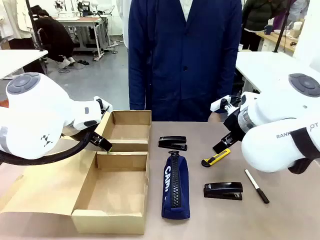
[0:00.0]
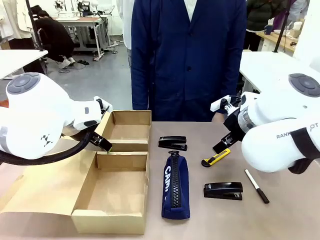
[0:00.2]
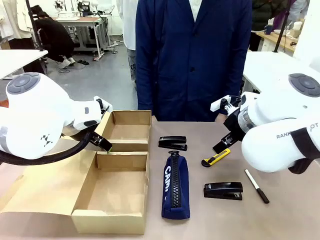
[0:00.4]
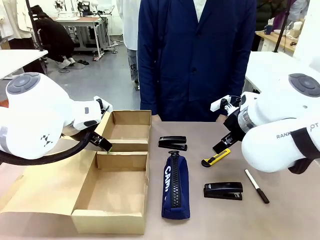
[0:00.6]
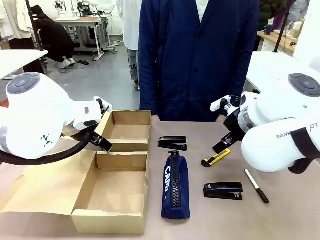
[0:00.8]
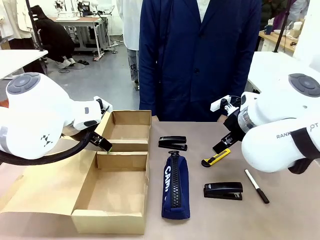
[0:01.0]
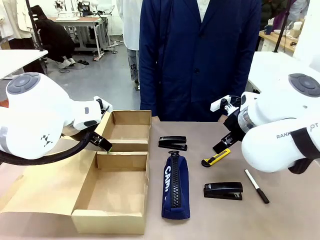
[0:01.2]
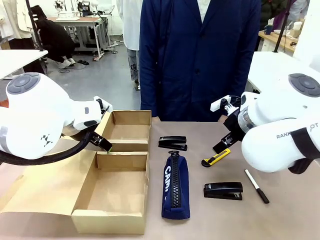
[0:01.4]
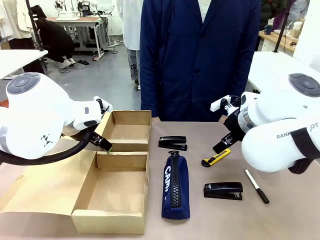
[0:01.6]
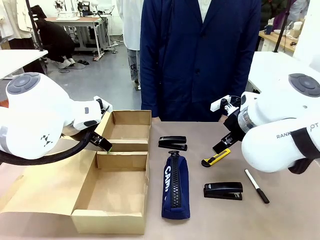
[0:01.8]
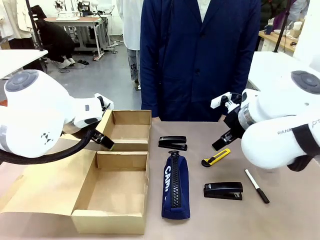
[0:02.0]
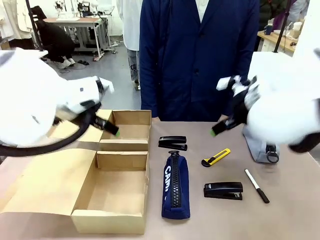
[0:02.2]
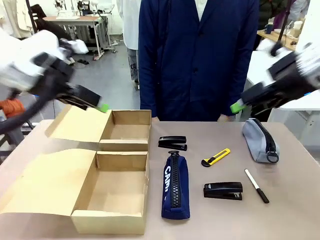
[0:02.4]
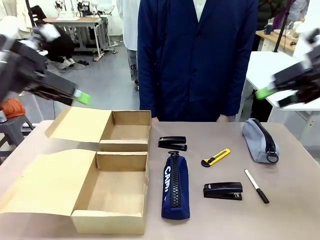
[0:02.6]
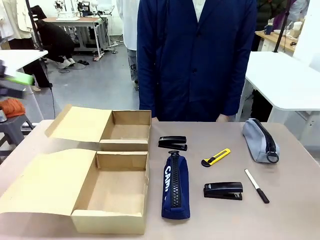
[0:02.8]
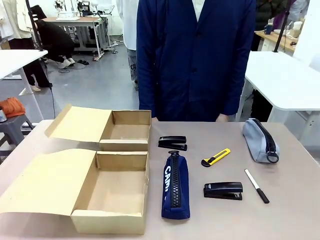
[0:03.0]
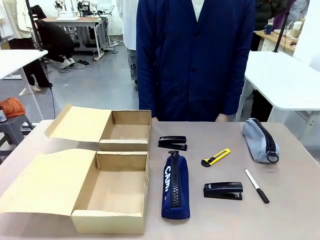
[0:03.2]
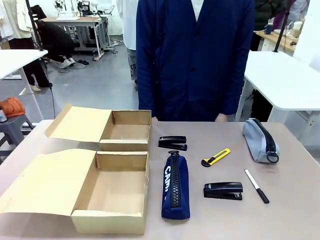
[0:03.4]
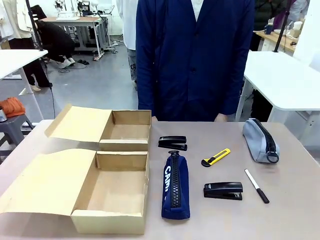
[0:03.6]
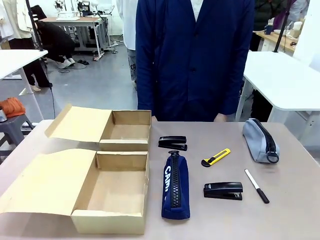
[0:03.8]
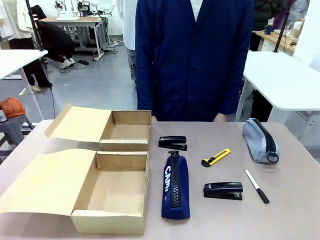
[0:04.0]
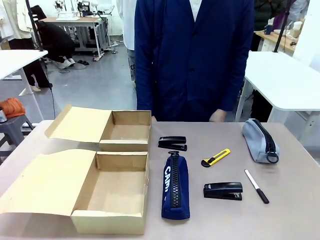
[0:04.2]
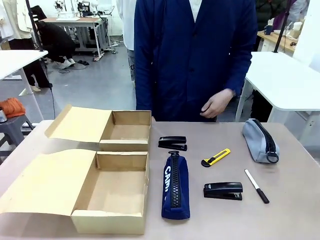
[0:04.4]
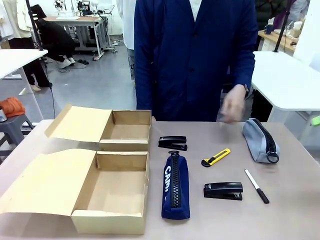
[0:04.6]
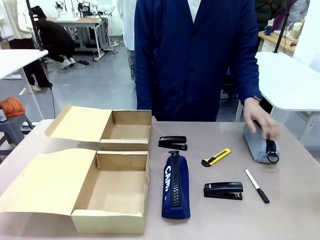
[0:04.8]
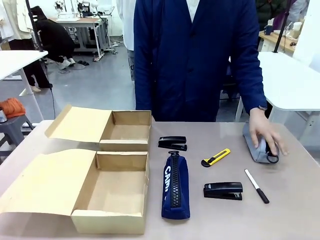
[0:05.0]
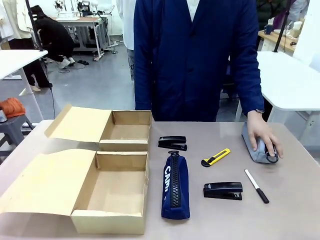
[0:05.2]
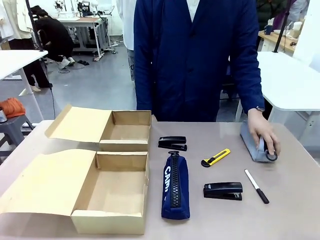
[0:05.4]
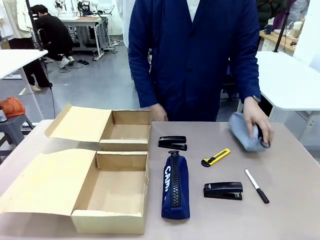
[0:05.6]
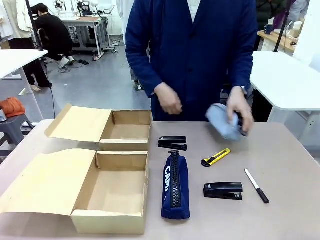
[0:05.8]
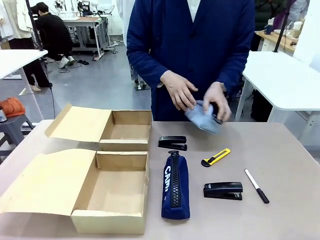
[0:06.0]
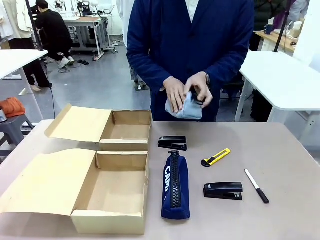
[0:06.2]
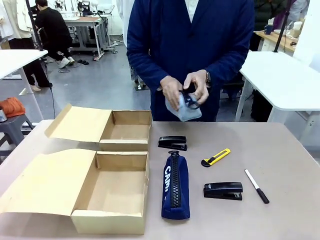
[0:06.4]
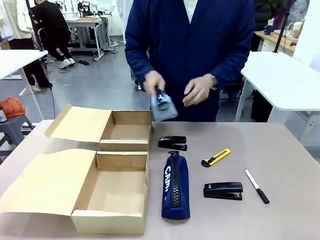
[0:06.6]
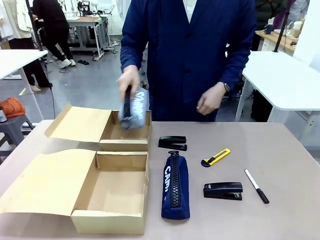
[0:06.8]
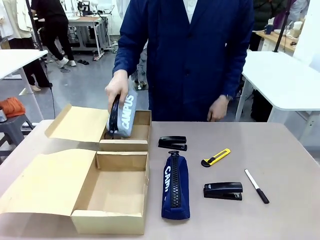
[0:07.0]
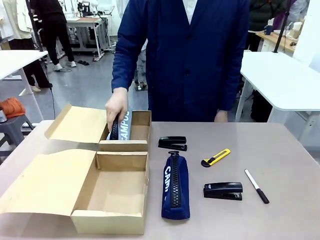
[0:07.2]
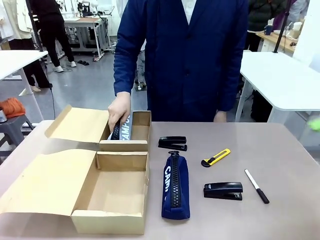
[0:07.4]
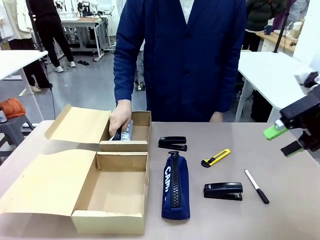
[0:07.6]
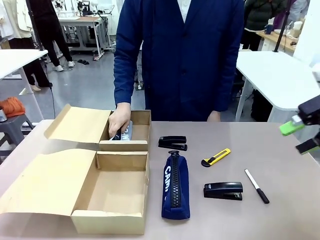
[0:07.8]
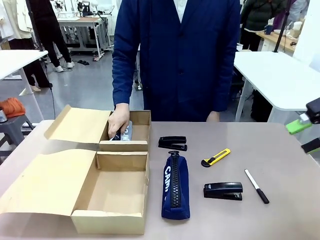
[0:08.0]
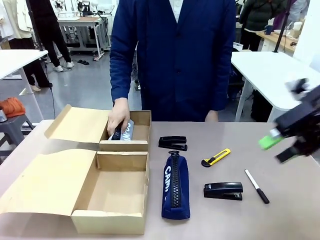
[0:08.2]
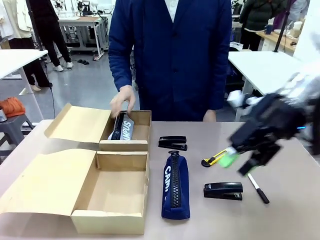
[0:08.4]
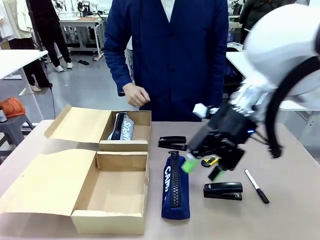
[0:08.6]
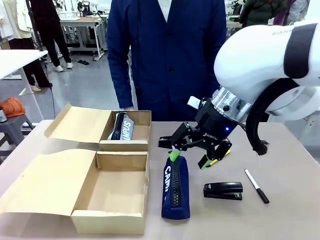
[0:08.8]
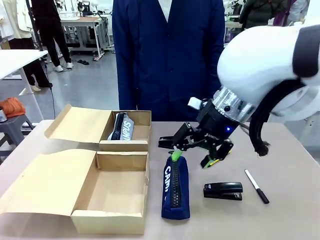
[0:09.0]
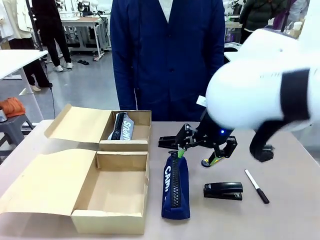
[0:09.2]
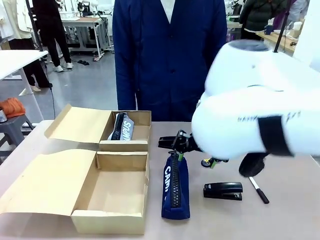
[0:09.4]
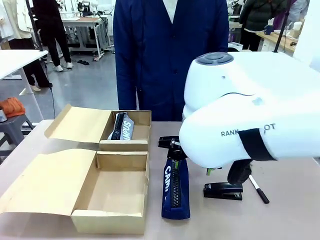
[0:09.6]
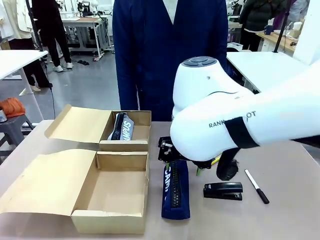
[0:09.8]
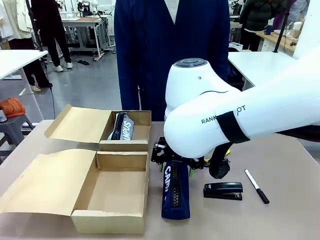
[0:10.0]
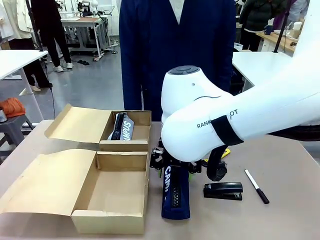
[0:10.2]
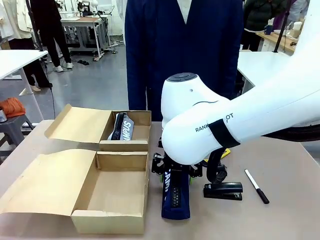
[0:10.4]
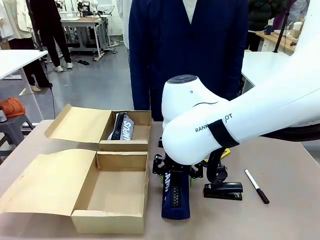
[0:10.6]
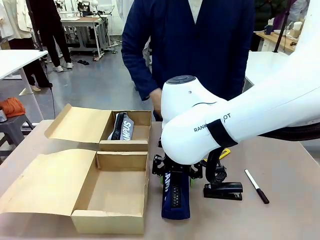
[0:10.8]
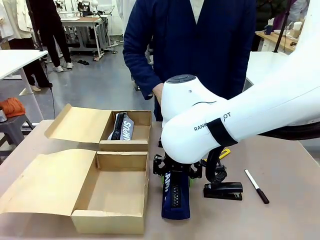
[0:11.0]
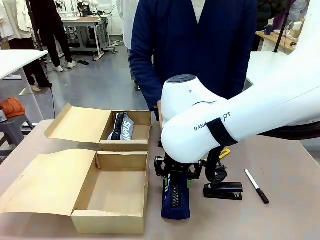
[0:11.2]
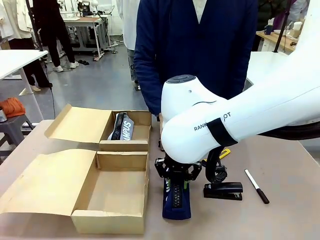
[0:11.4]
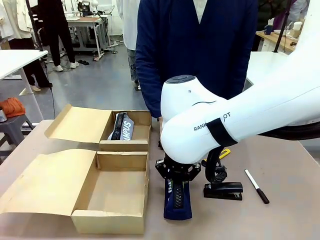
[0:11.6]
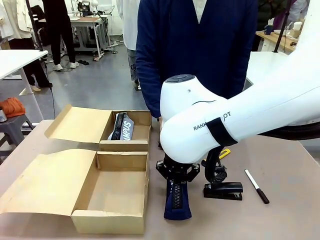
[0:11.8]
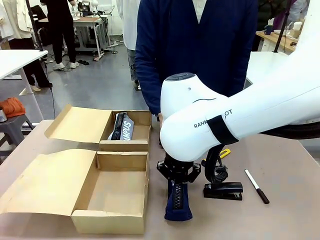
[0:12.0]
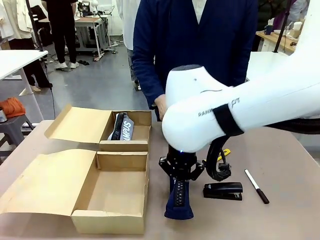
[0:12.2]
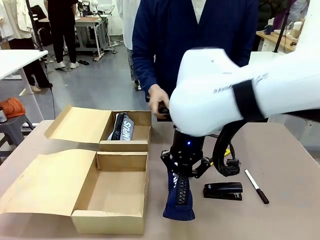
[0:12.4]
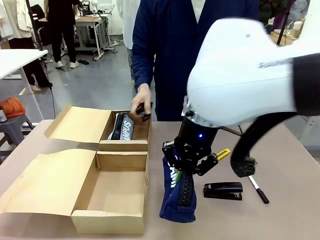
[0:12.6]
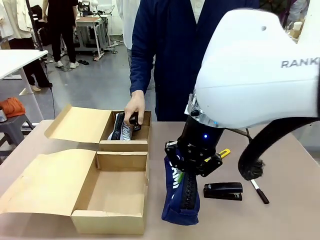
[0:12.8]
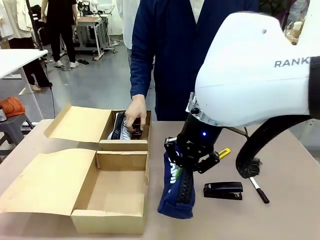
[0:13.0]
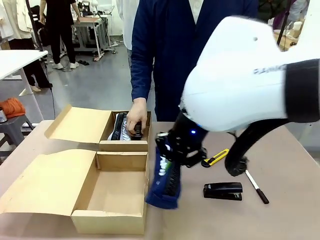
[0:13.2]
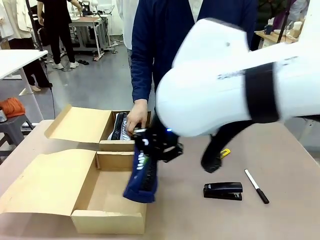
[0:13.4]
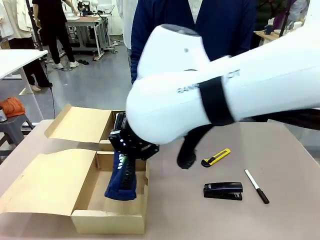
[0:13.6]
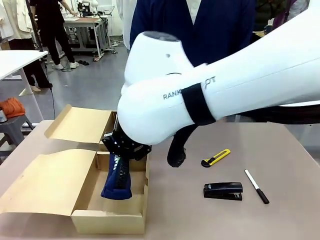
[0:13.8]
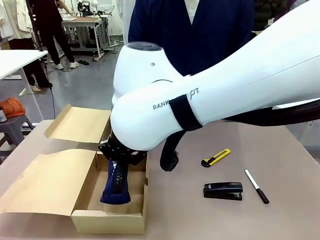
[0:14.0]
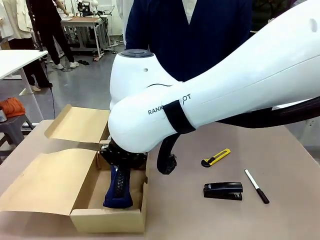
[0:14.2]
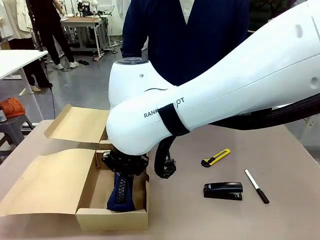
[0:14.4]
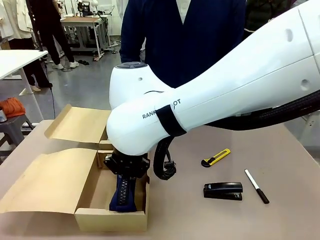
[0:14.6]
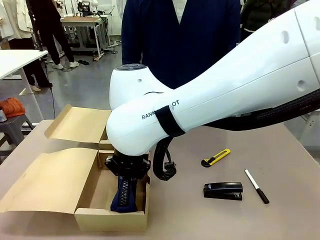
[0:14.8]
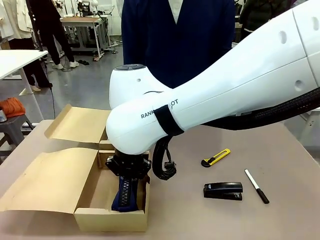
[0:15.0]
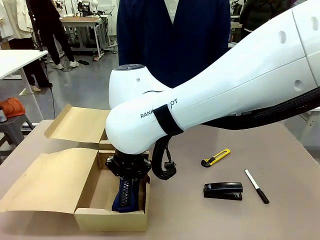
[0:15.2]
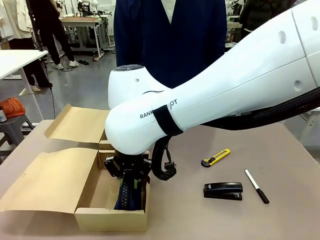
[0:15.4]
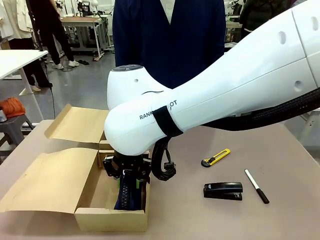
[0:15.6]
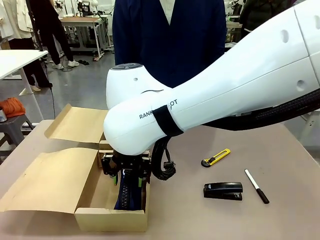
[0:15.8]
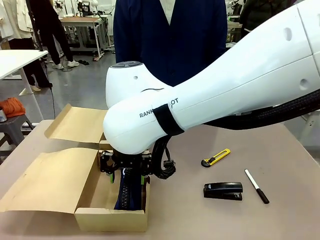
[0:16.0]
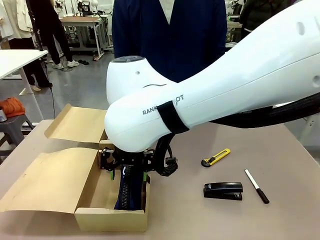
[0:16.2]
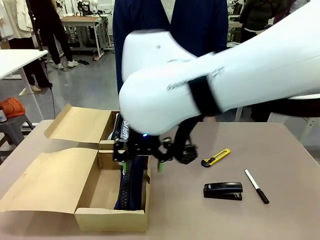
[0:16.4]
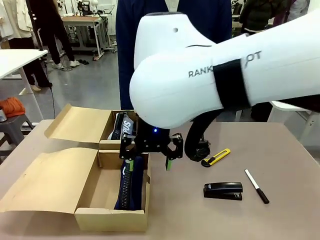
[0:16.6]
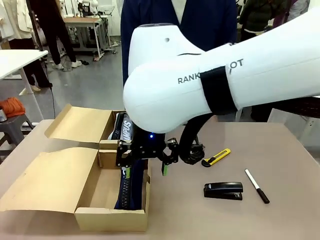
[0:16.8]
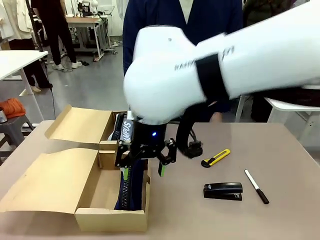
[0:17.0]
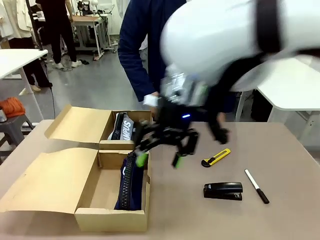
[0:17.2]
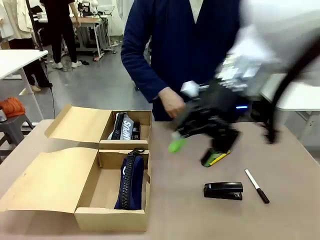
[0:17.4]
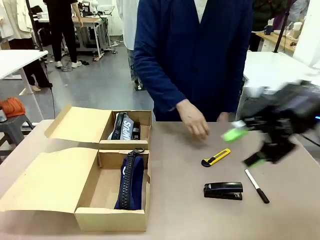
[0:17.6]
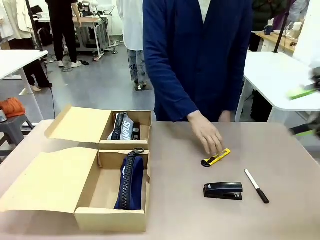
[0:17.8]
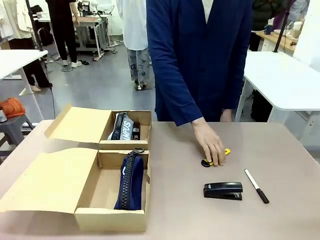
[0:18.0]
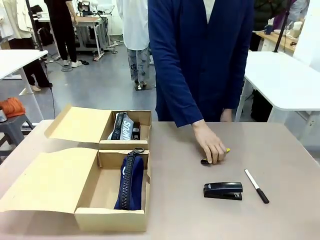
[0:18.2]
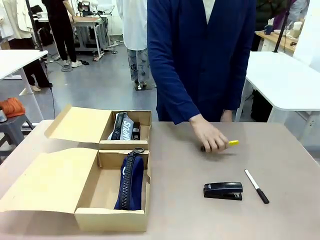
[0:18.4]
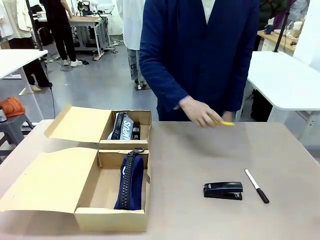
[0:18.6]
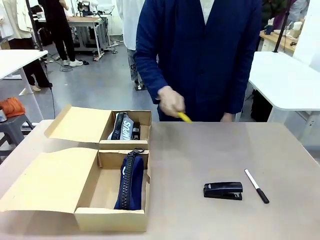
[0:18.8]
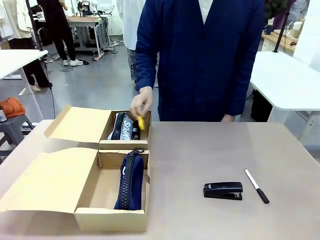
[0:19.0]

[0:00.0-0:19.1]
Task: Place items inside the box.
Robot: Pick up a Pencil pouch or Stapler and place it inside the Mailer Box closest to the robot.
Person: Pick up an object on the table and put it in the box.
